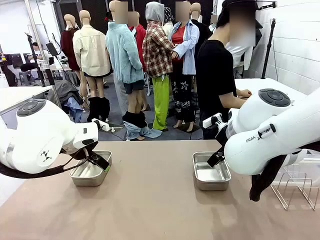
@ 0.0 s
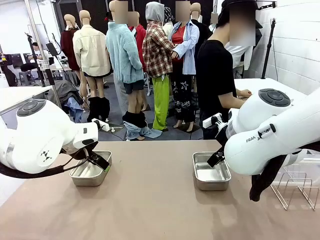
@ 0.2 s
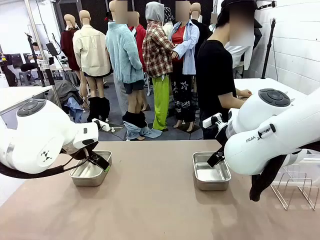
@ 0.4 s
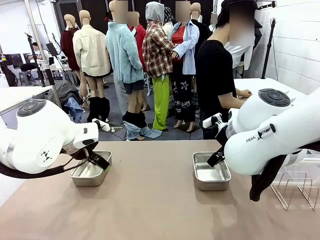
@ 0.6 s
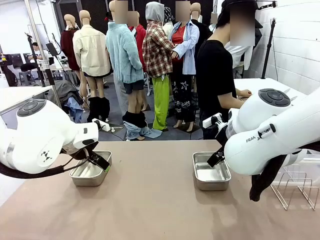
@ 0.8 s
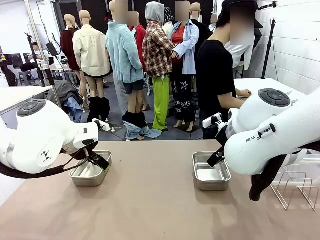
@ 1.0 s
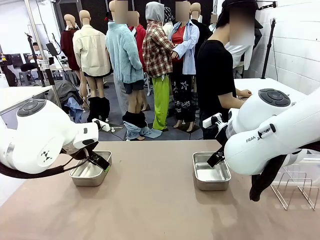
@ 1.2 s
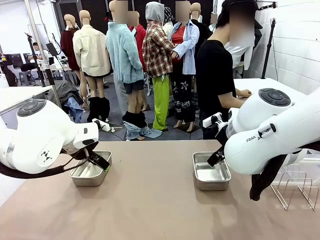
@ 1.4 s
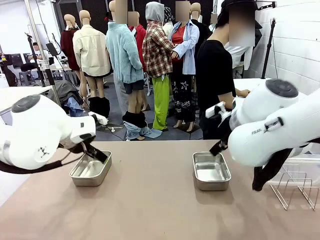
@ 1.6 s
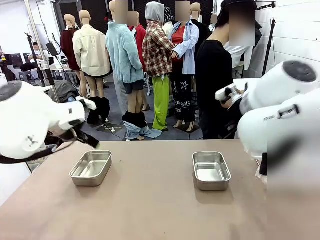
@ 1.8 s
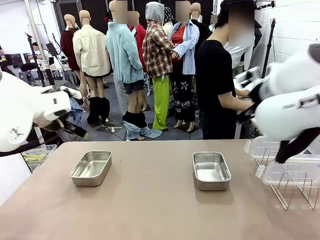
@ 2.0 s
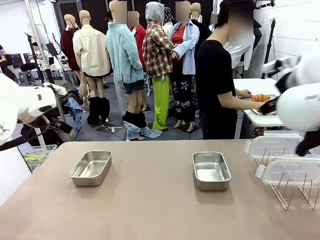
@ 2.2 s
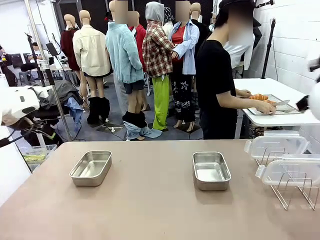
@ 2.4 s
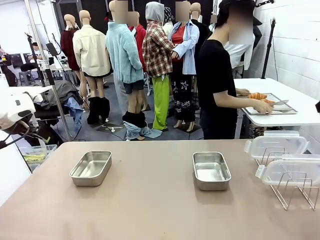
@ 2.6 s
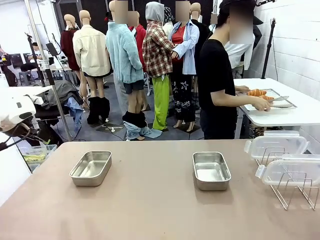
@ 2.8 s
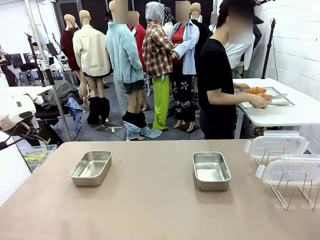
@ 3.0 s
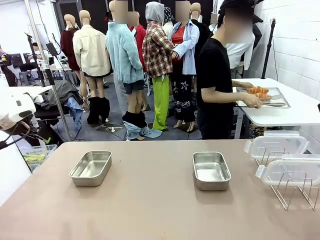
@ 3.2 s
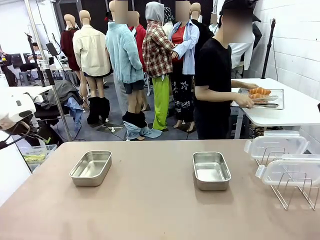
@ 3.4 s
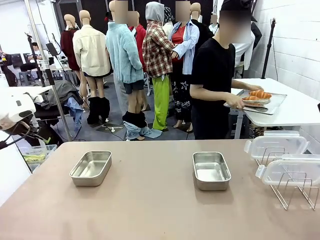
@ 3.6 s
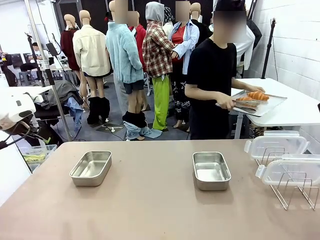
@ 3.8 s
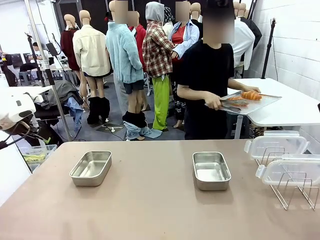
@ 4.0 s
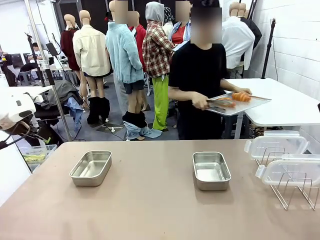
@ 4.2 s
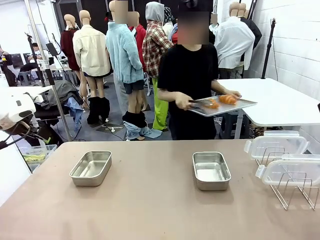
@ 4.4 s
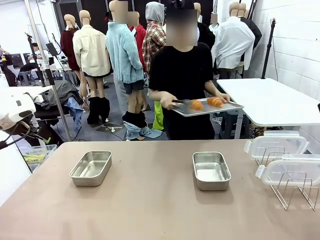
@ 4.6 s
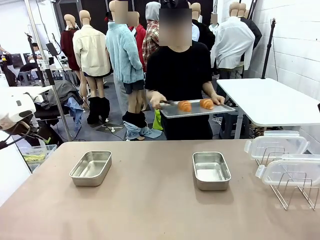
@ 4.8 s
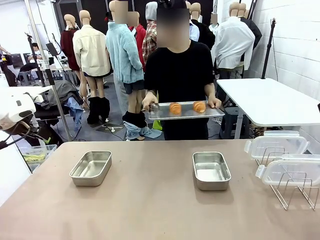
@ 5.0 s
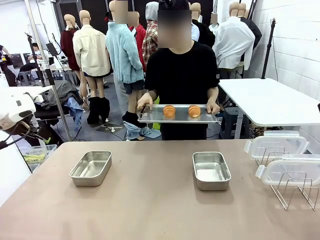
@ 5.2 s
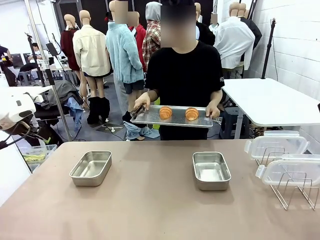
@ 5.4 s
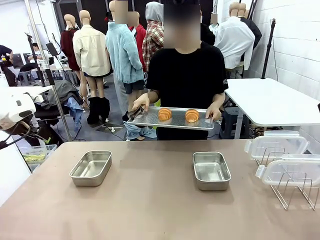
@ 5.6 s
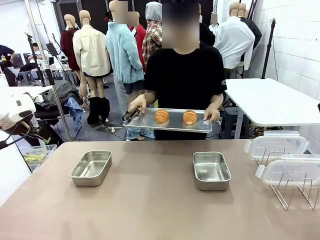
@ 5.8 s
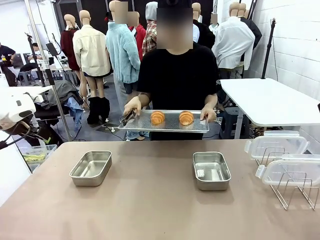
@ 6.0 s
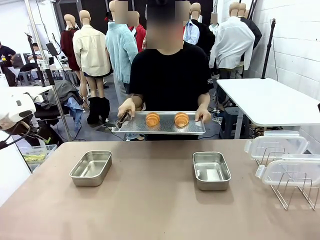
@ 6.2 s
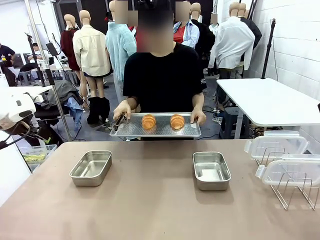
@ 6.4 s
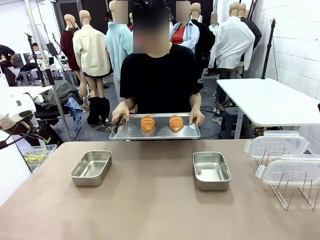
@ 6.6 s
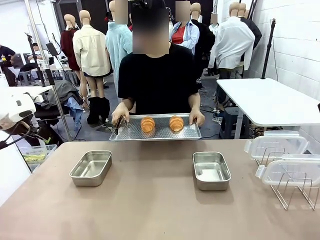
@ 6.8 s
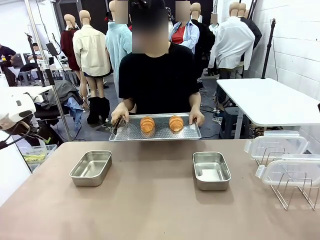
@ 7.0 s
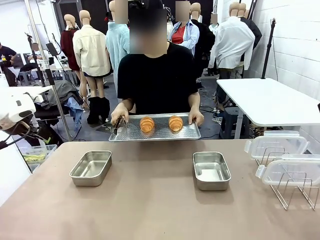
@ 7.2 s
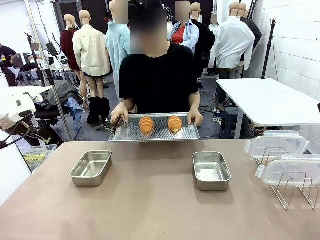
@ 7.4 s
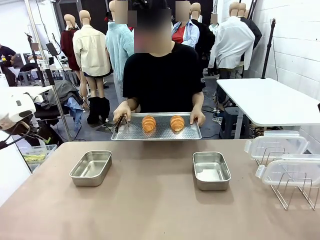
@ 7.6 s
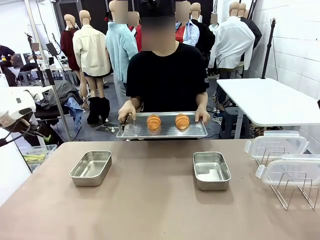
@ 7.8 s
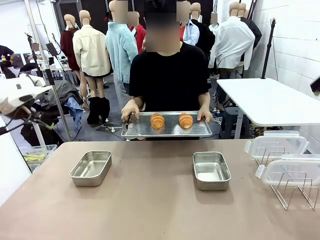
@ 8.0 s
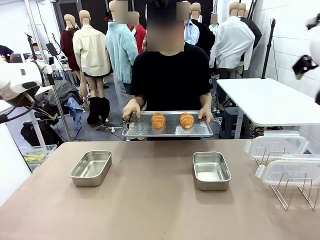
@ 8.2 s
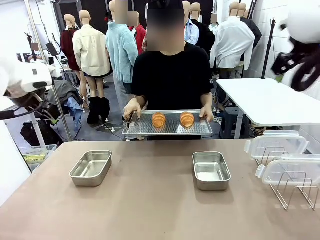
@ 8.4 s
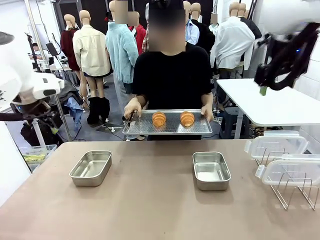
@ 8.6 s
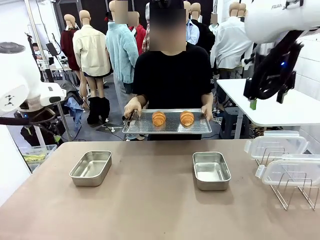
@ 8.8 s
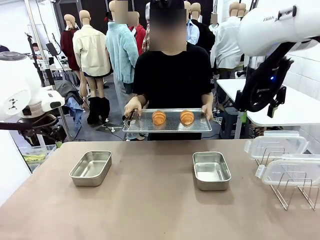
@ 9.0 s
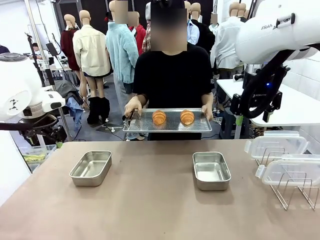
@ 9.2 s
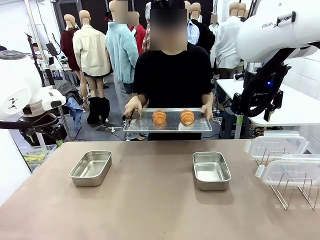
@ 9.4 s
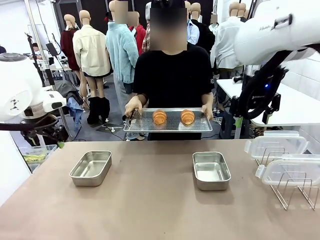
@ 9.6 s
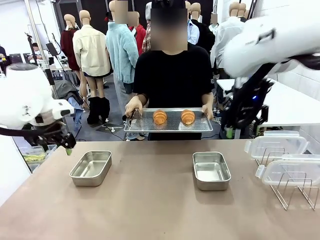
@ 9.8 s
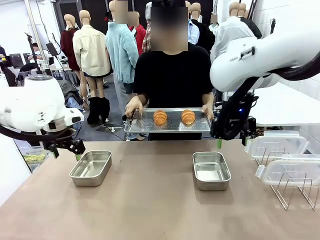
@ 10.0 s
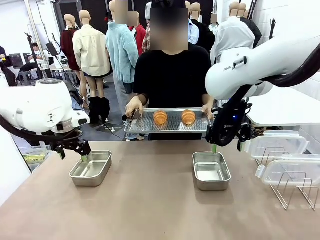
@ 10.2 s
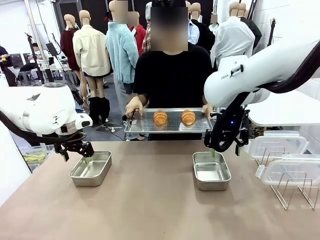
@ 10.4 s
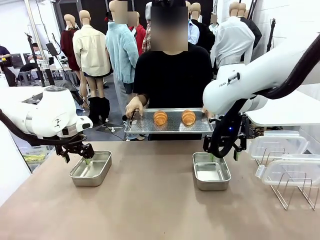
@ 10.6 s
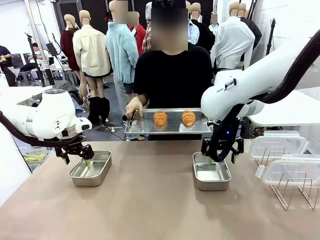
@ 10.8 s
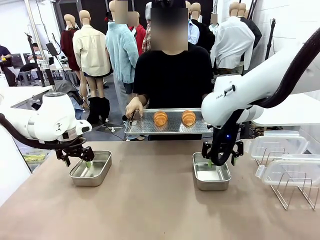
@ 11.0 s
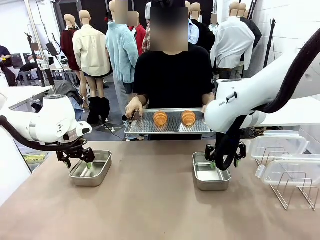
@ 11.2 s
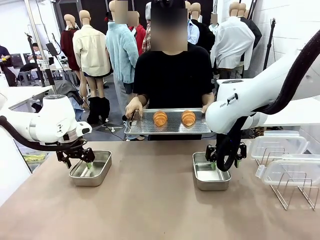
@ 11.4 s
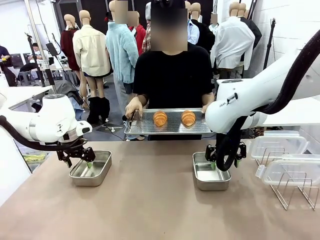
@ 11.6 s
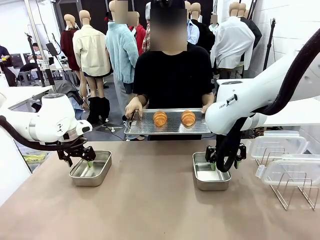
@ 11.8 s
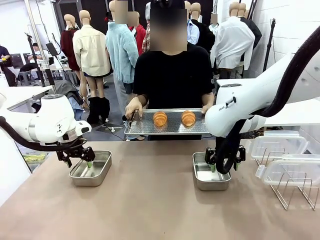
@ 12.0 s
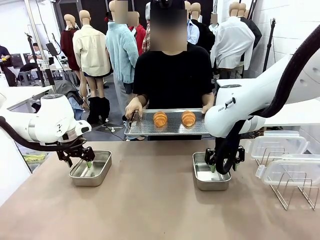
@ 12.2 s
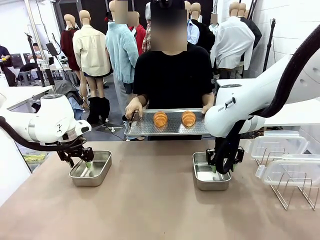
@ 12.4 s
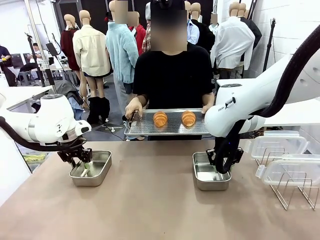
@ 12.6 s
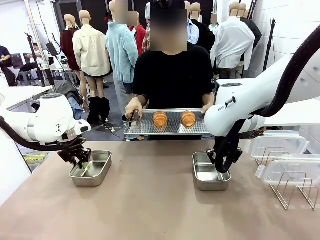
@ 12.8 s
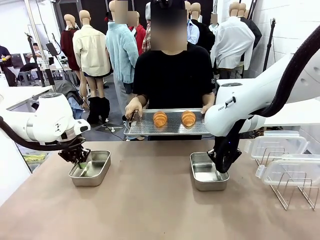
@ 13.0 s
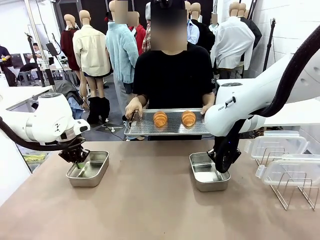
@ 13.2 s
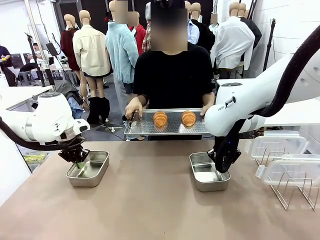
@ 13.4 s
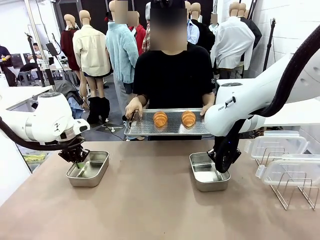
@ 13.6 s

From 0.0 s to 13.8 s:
Task: Place the bread in airtight containers.
Robot: Lift both Airtight Container.
Person: Bring the Baking Sheet in front of Robot's Table.
